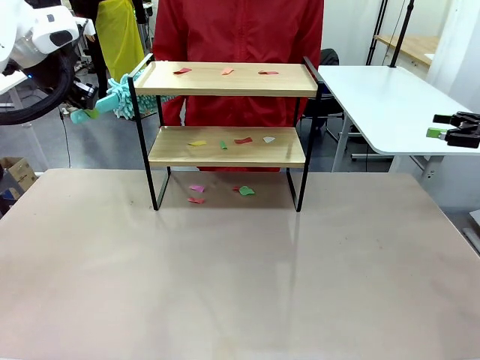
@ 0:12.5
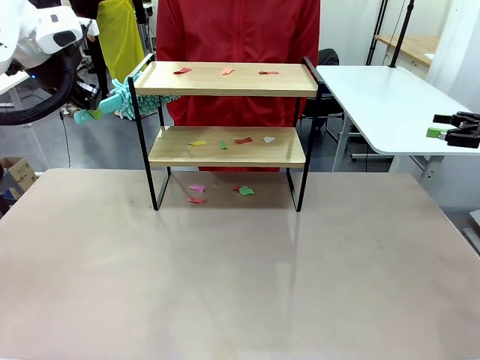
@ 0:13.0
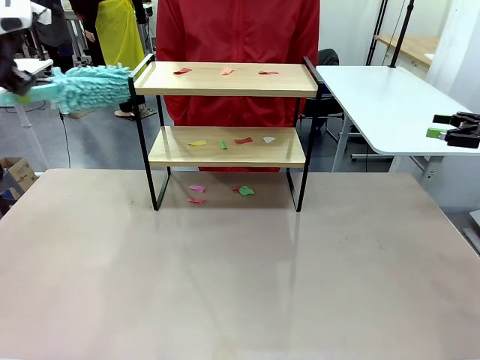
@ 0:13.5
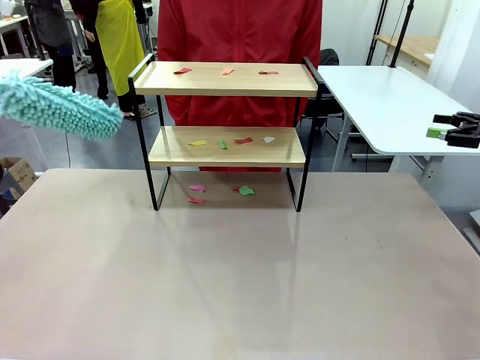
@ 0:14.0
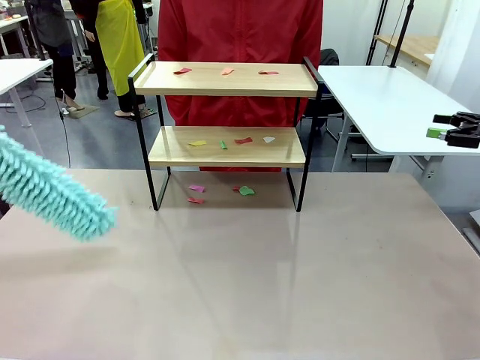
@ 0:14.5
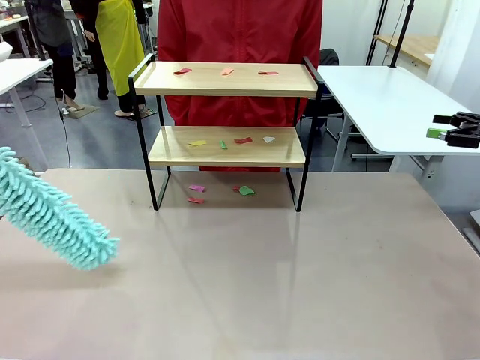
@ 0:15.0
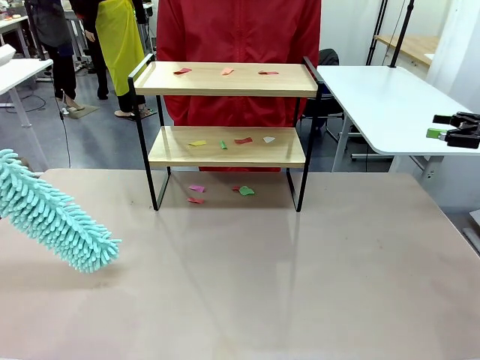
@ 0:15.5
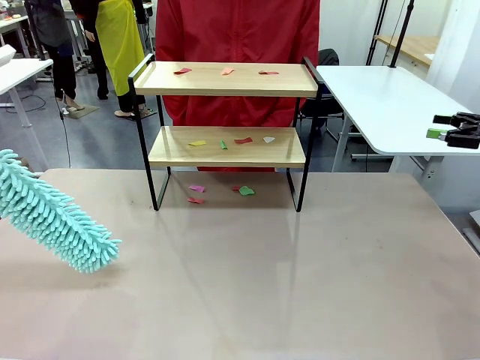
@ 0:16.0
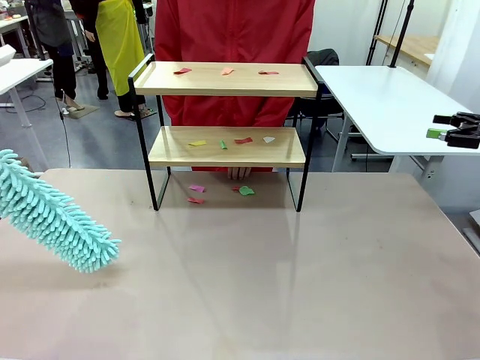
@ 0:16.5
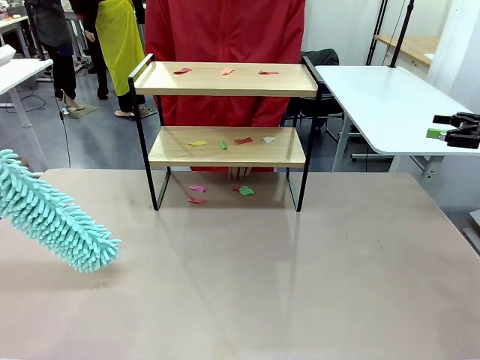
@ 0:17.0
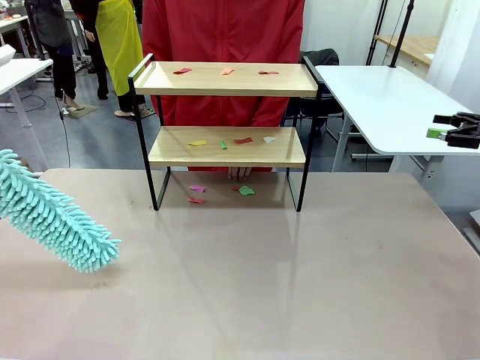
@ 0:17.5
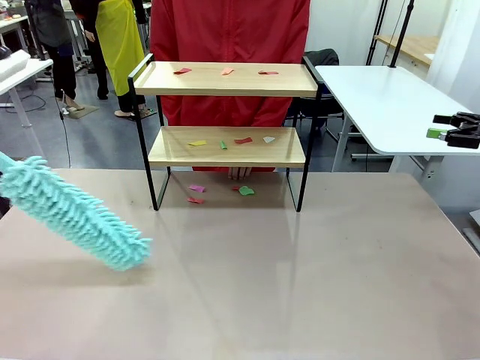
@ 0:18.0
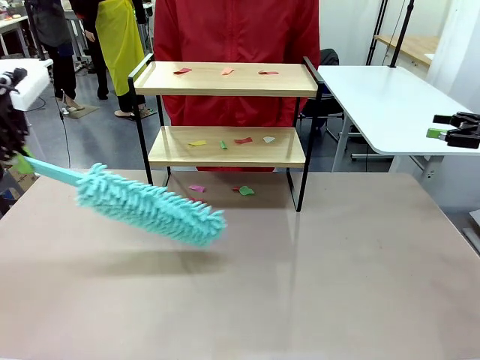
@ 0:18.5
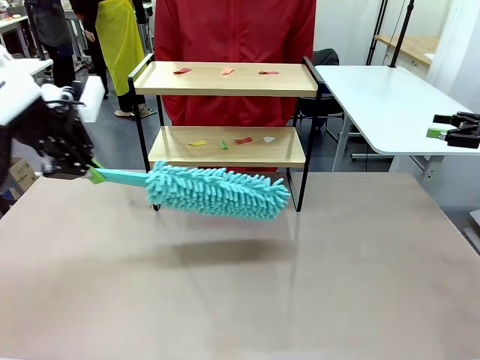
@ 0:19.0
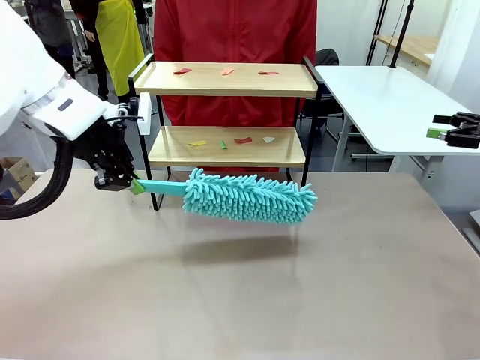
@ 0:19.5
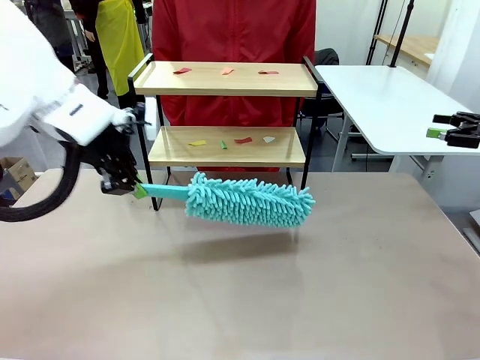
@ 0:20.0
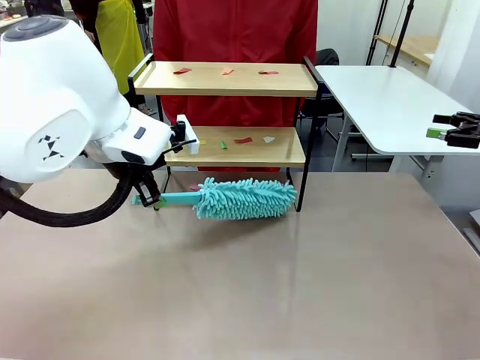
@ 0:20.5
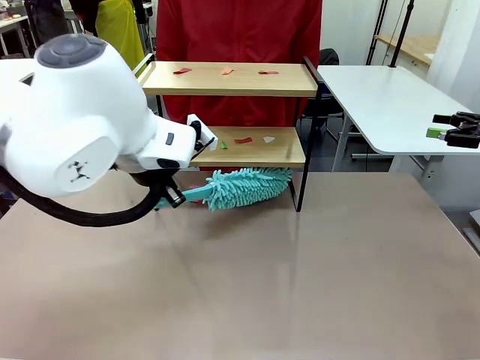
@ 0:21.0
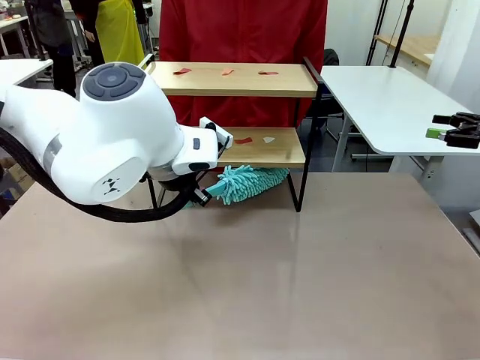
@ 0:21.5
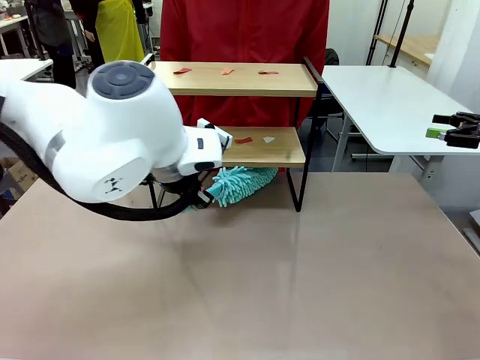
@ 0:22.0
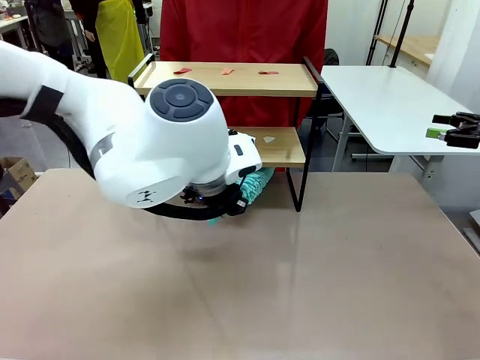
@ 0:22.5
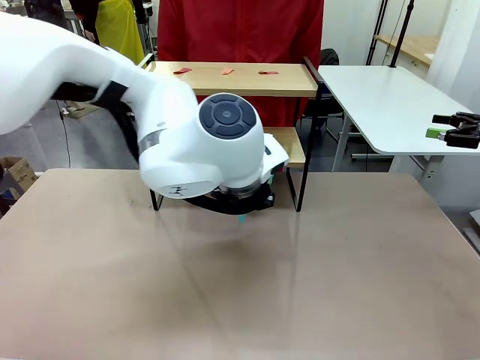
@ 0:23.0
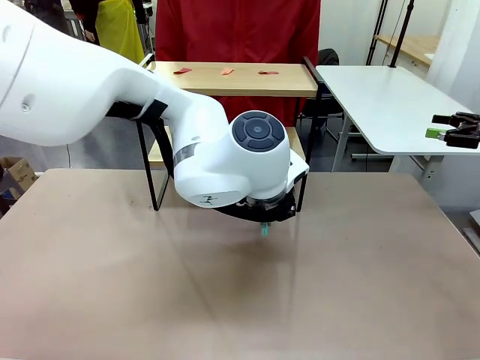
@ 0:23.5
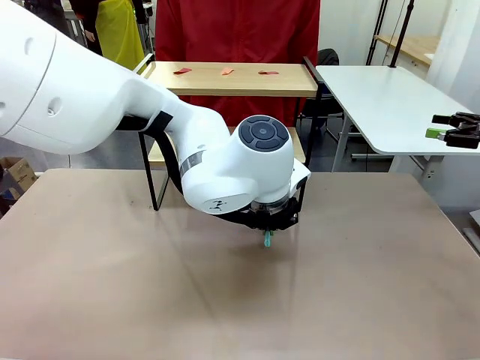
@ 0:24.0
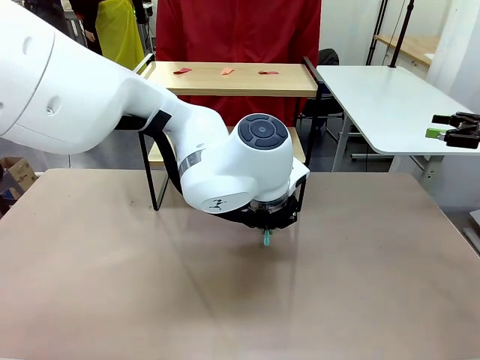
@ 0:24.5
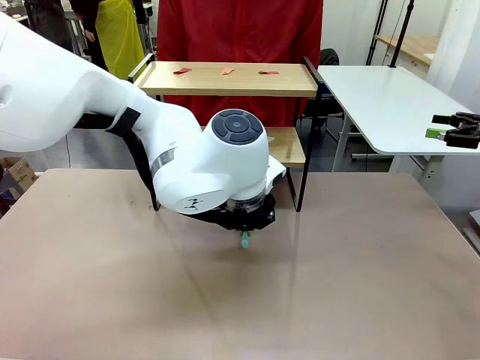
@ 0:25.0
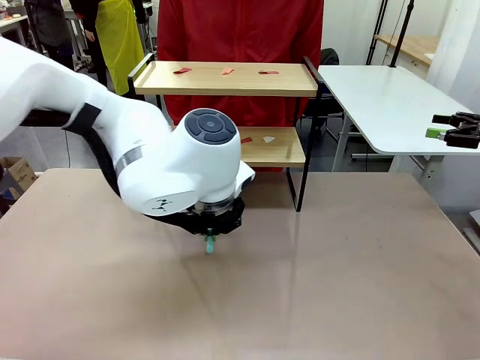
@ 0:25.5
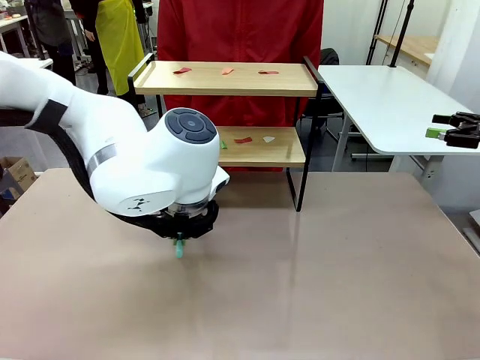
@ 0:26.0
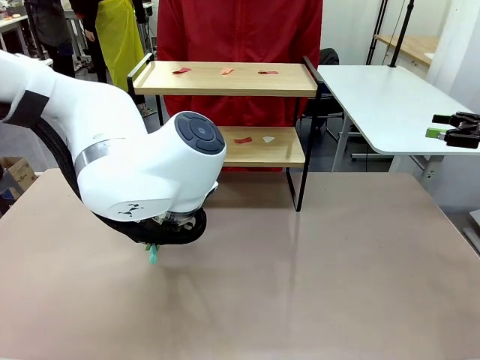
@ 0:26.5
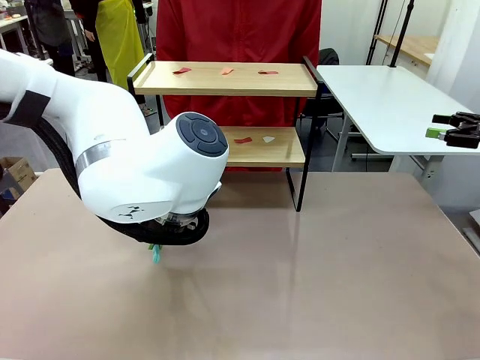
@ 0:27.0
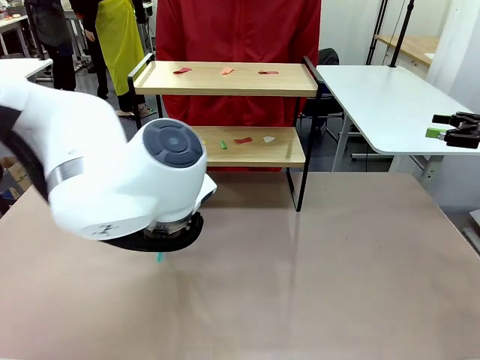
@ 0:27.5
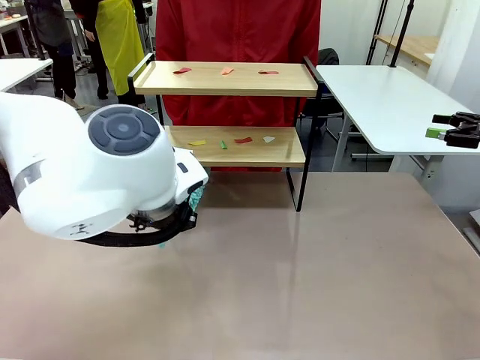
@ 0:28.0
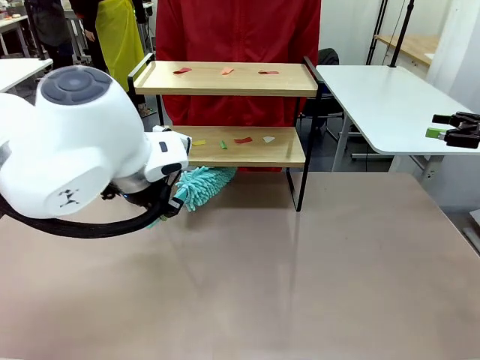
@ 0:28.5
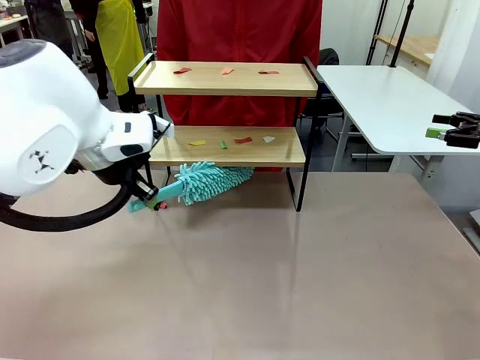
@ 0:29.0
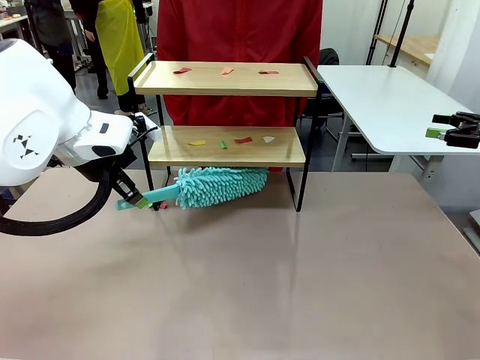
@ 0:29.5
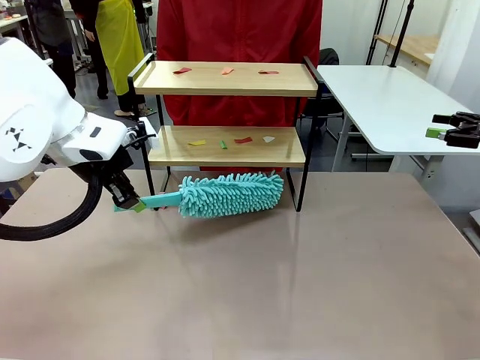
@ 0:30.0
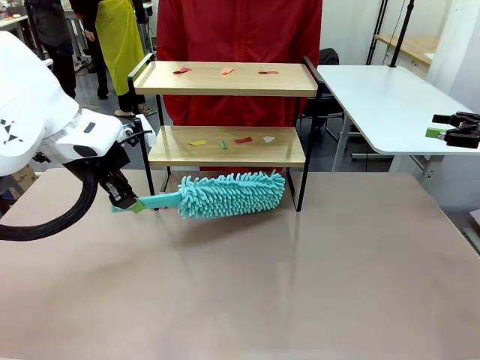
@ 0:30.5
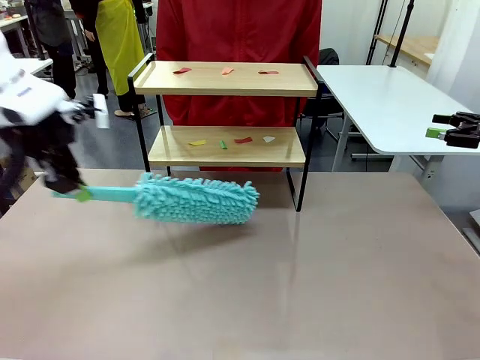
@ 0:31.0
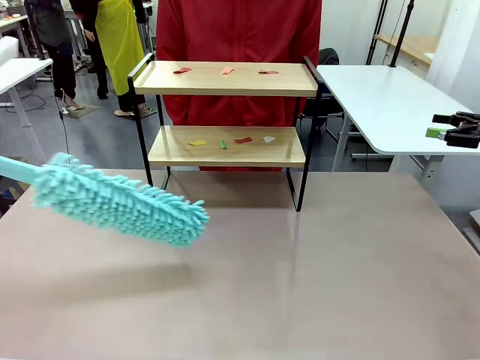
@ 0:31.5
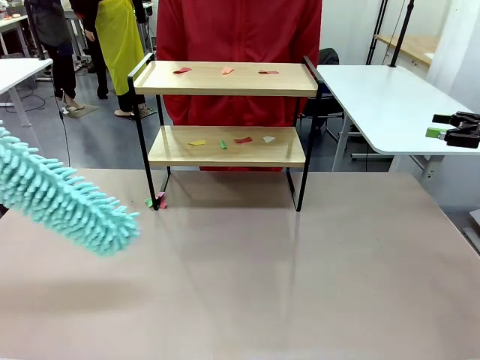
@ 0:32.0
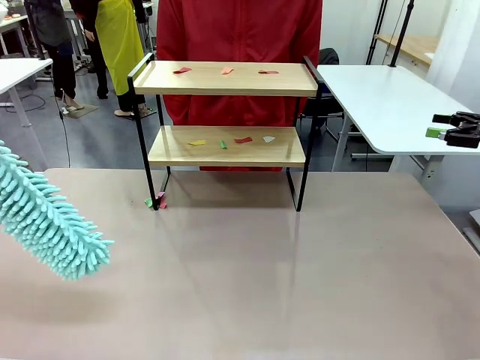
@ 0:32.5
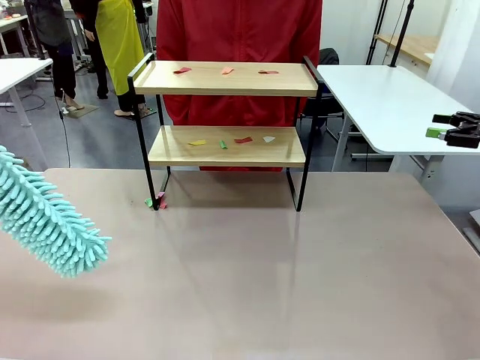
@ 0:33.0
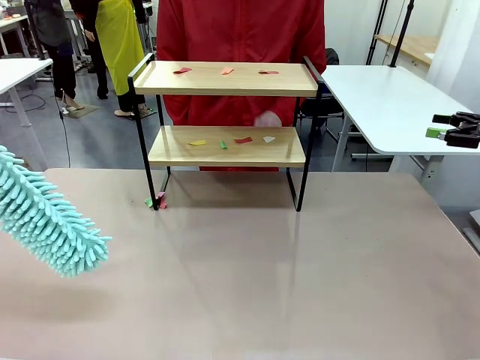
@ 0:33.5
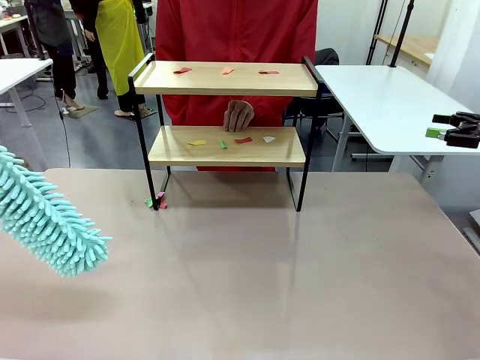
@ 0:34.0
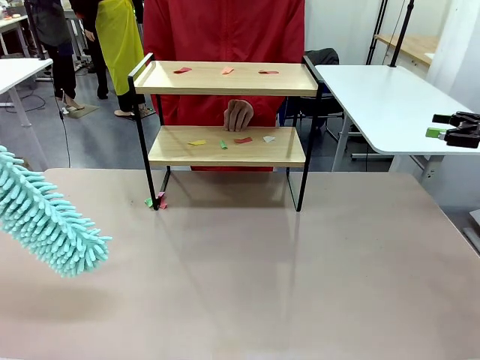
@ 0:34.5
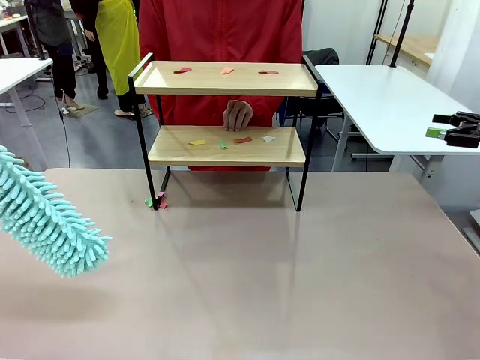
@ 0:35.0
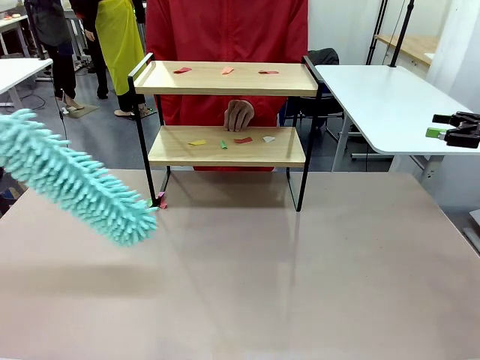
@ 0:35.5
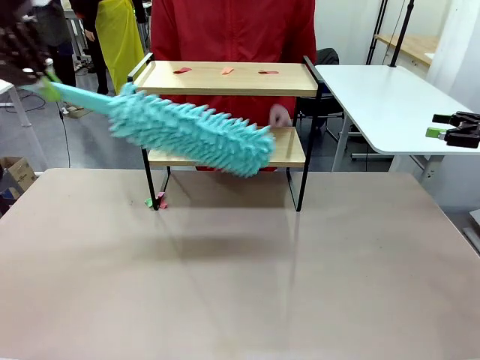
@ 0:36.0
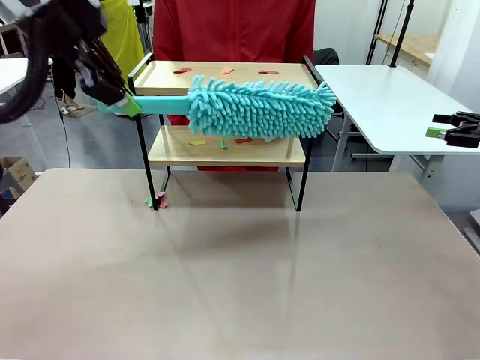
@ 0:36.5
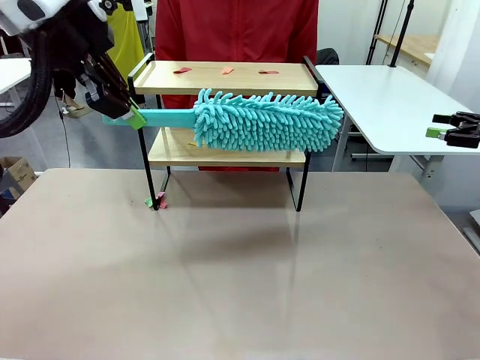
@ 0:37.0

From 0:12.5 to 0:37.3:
Task: Clean the shelf.
Robot: Clean the specific section of the Shelf indicated by the human with the Duster.
Person: Point a random section of the Shelf.
